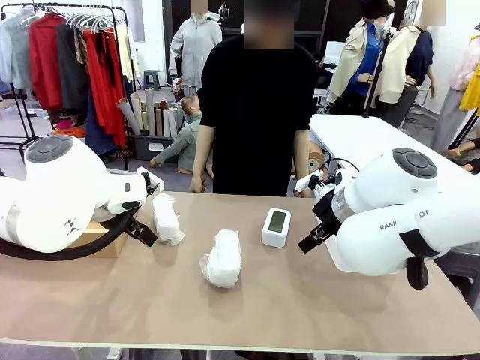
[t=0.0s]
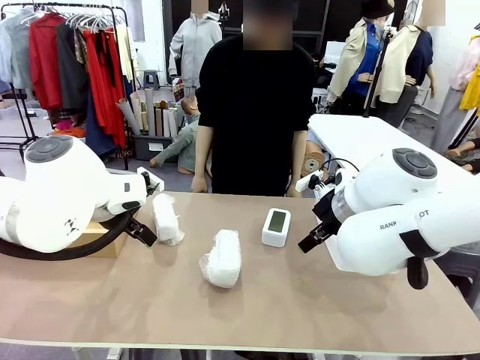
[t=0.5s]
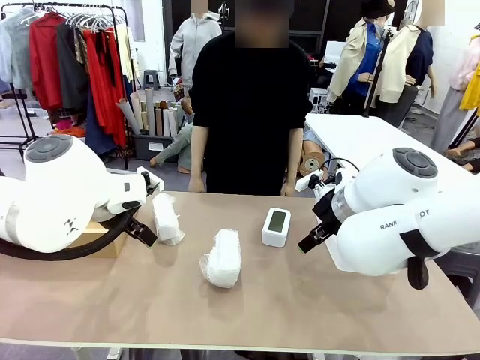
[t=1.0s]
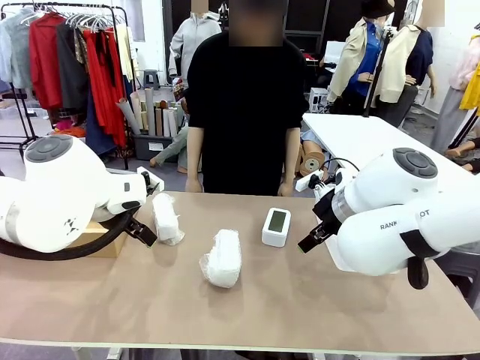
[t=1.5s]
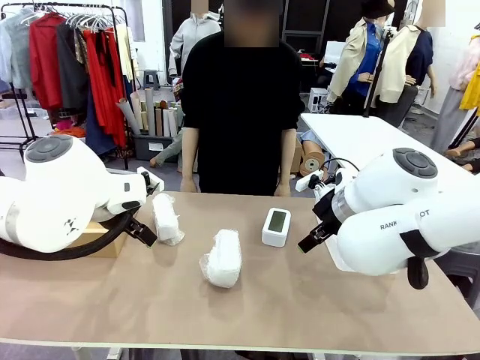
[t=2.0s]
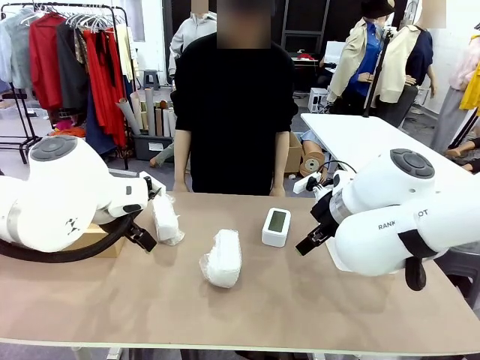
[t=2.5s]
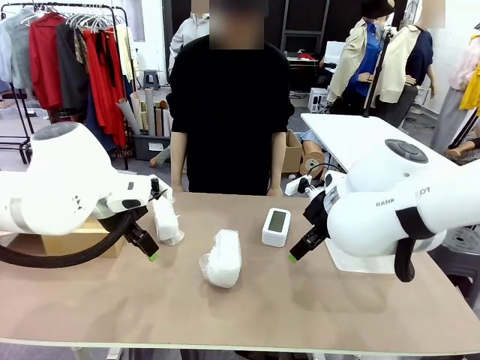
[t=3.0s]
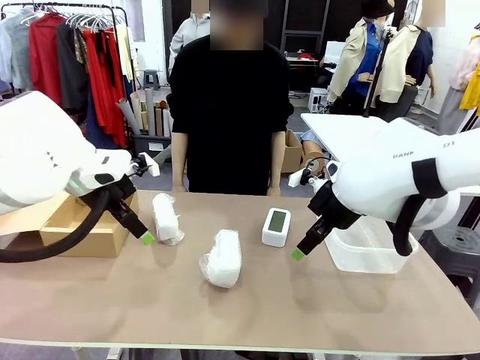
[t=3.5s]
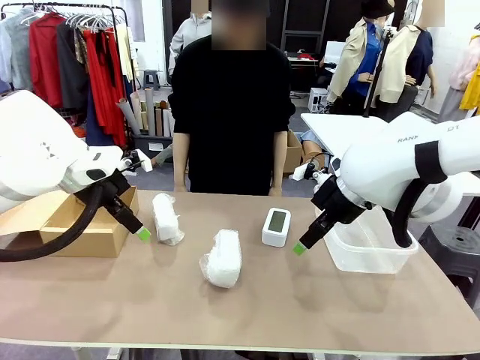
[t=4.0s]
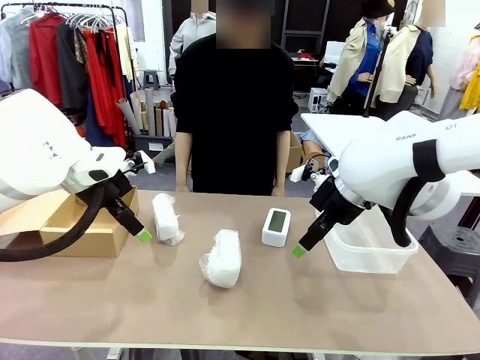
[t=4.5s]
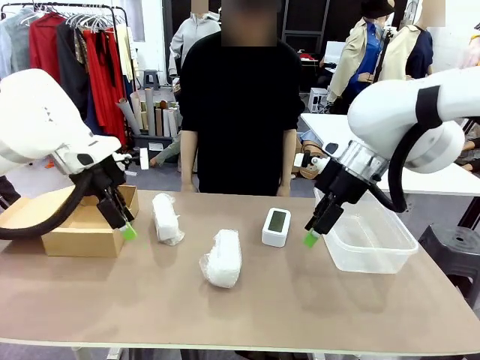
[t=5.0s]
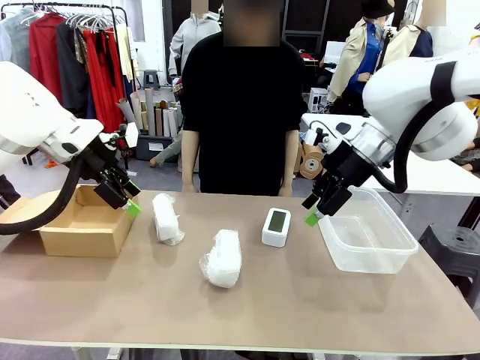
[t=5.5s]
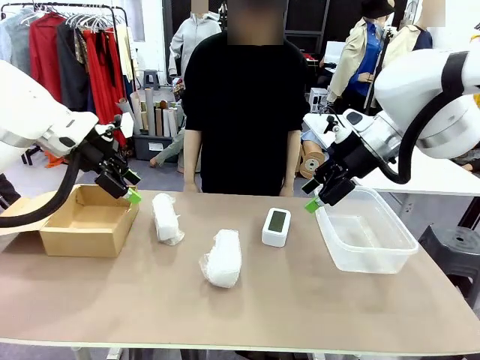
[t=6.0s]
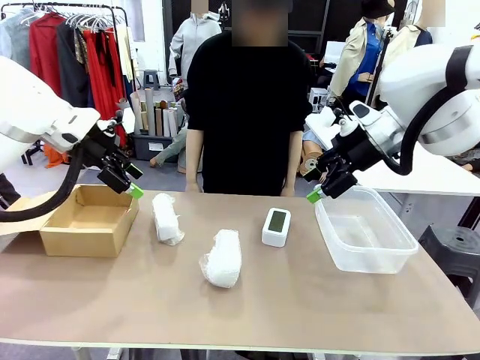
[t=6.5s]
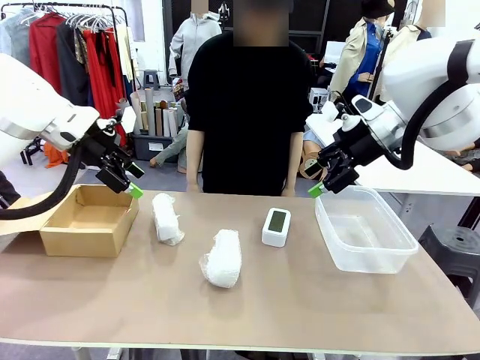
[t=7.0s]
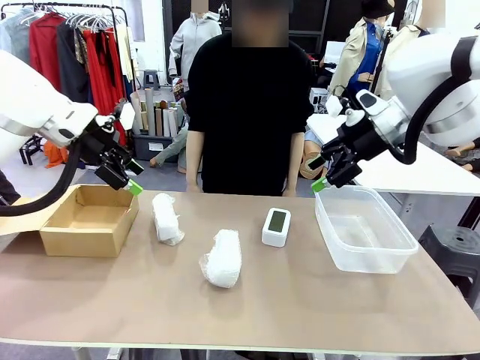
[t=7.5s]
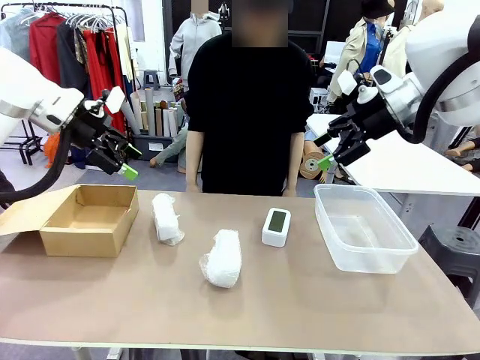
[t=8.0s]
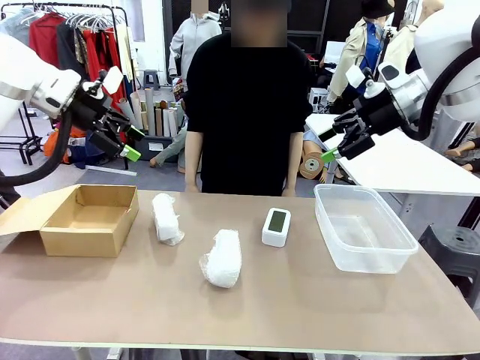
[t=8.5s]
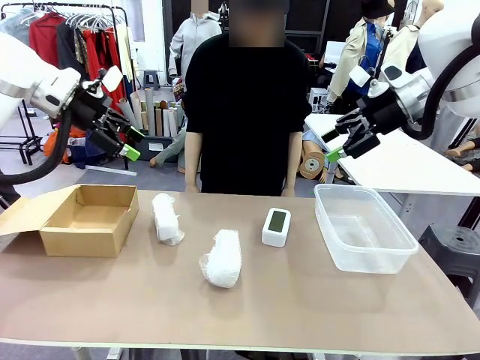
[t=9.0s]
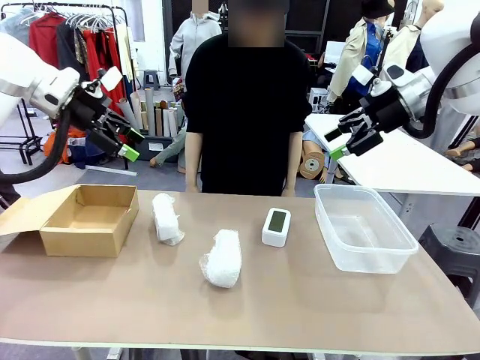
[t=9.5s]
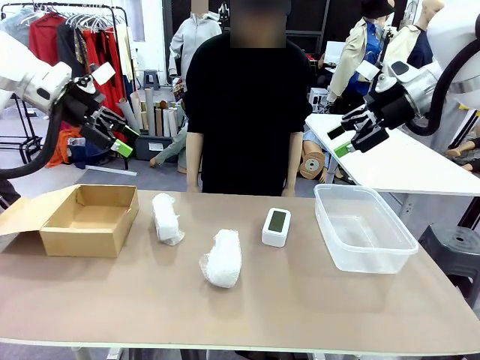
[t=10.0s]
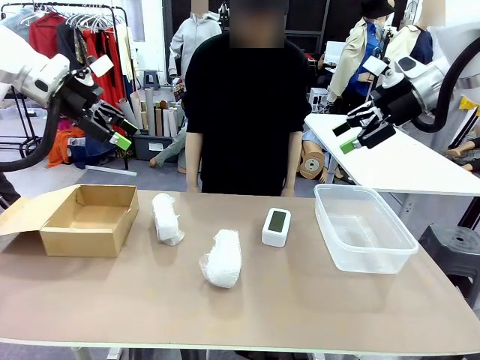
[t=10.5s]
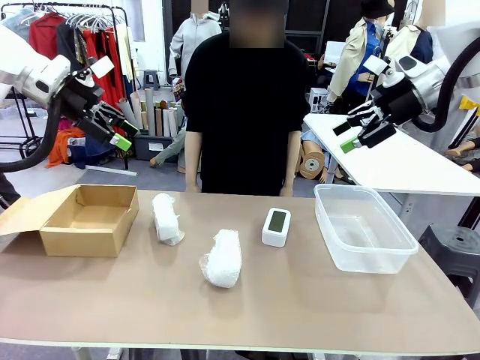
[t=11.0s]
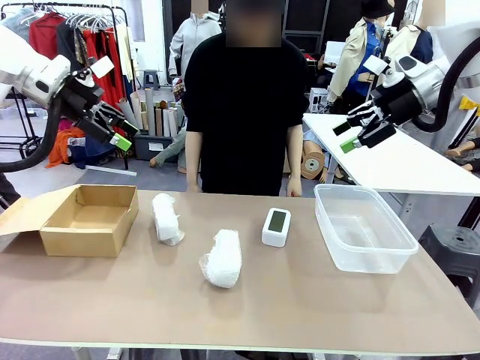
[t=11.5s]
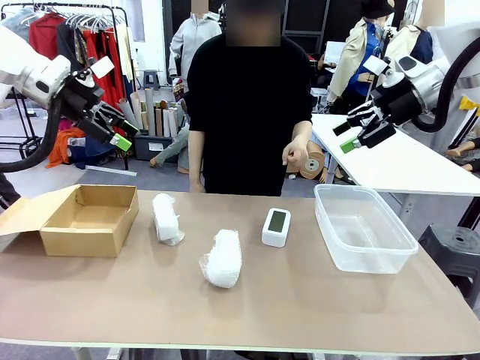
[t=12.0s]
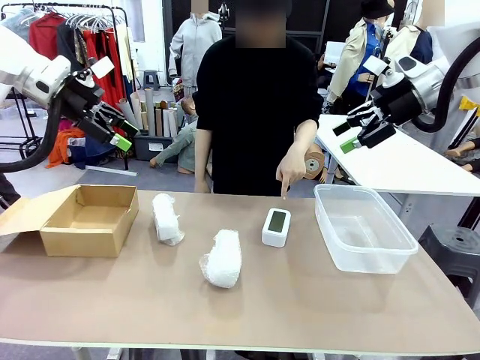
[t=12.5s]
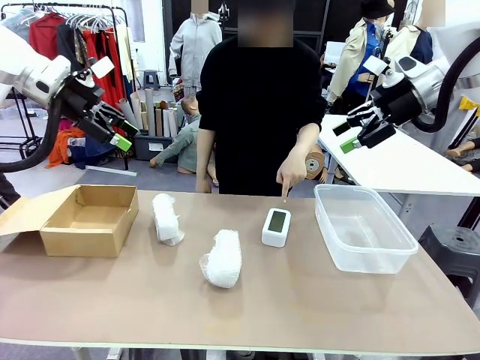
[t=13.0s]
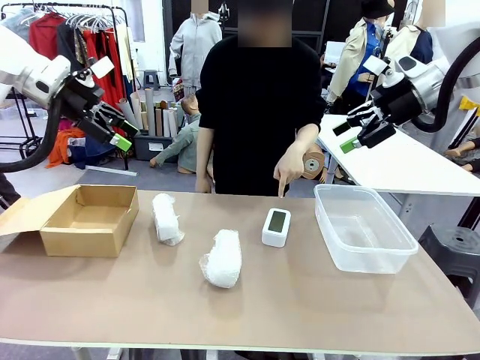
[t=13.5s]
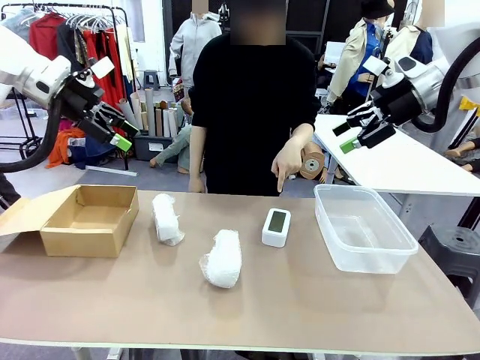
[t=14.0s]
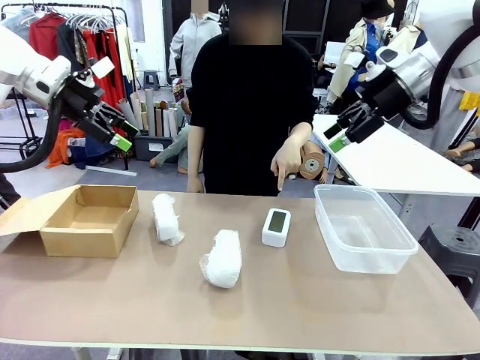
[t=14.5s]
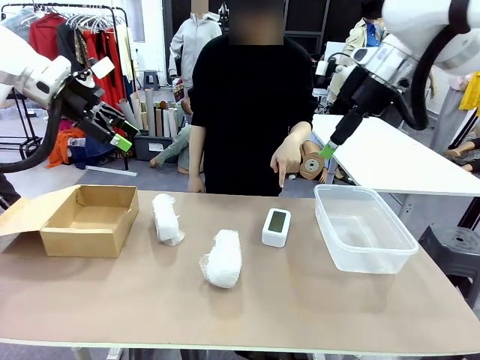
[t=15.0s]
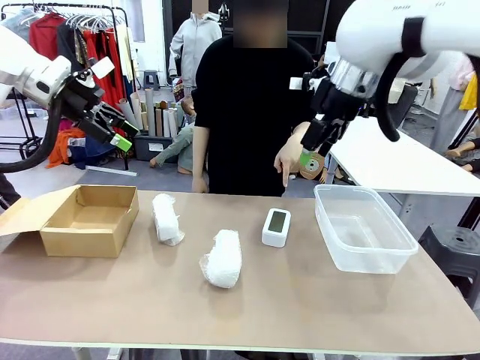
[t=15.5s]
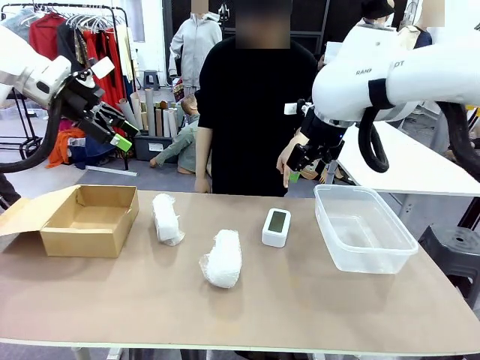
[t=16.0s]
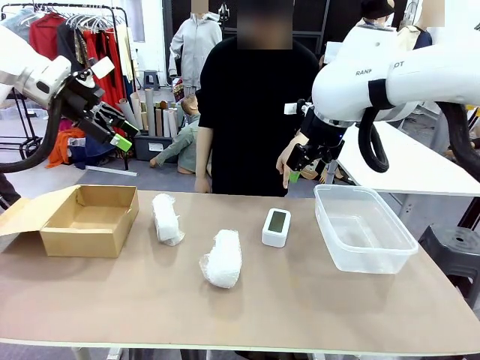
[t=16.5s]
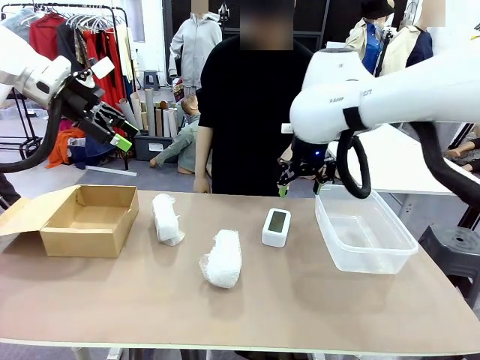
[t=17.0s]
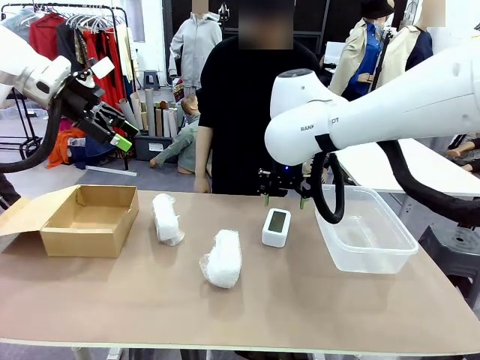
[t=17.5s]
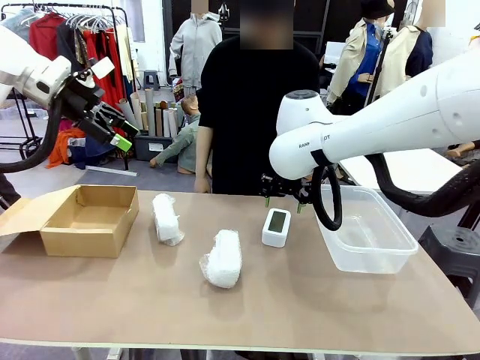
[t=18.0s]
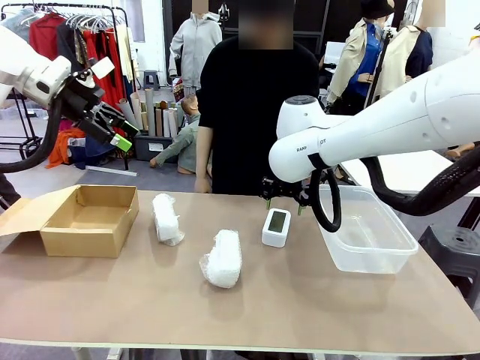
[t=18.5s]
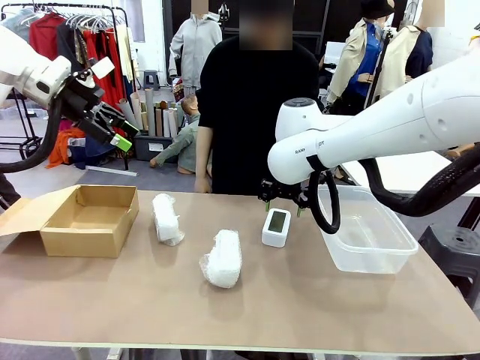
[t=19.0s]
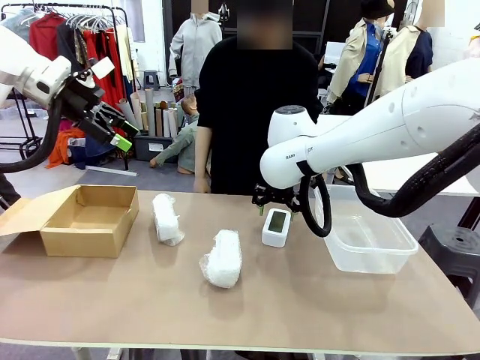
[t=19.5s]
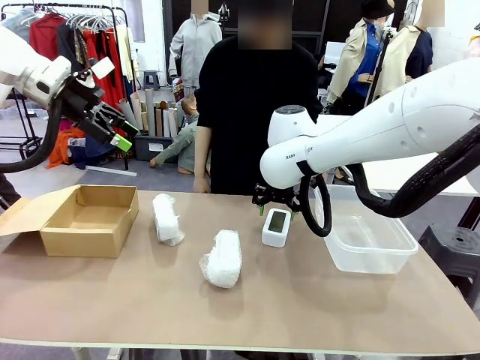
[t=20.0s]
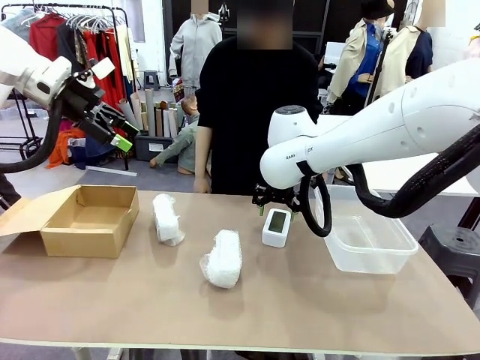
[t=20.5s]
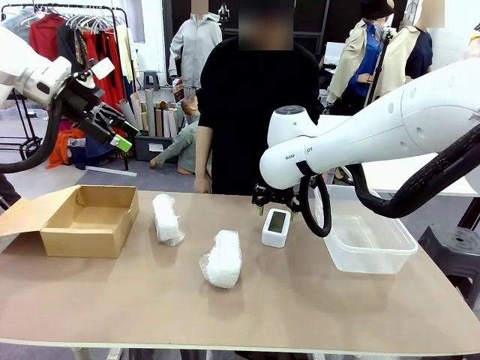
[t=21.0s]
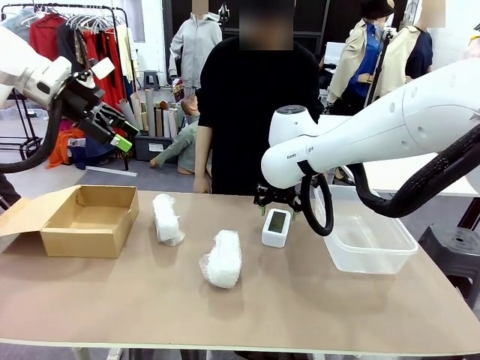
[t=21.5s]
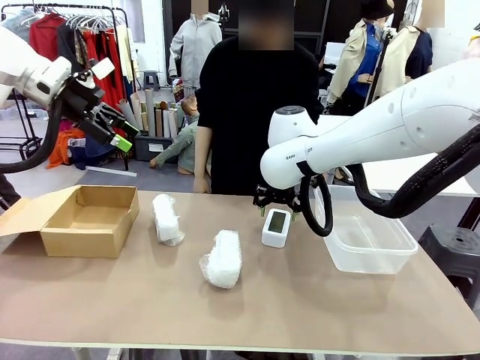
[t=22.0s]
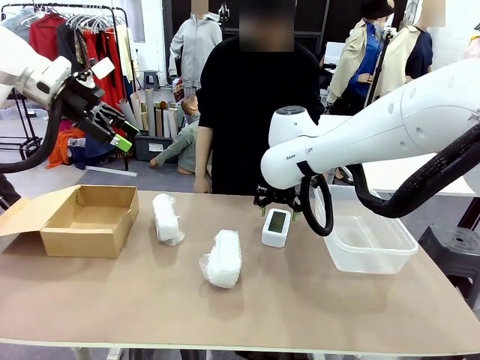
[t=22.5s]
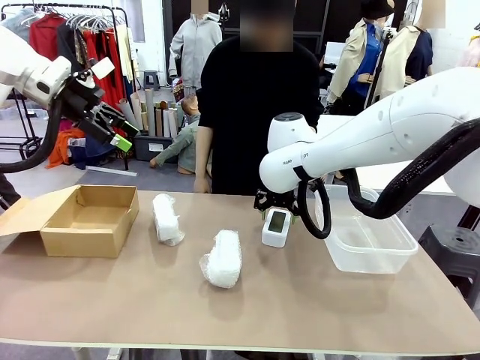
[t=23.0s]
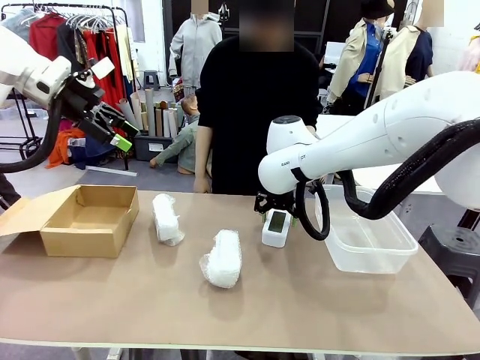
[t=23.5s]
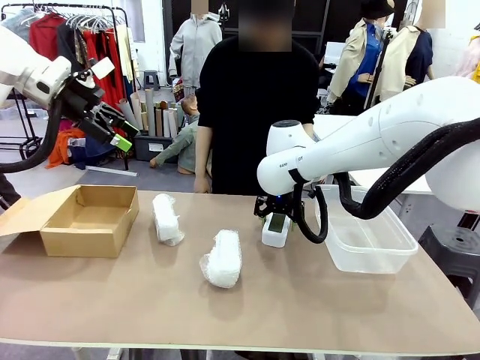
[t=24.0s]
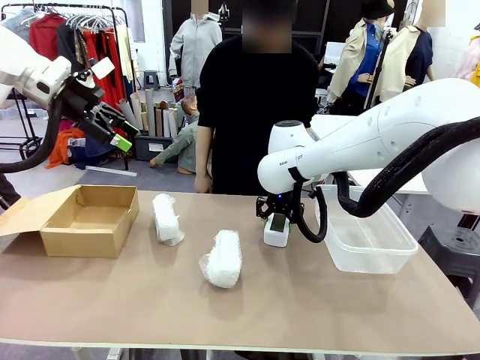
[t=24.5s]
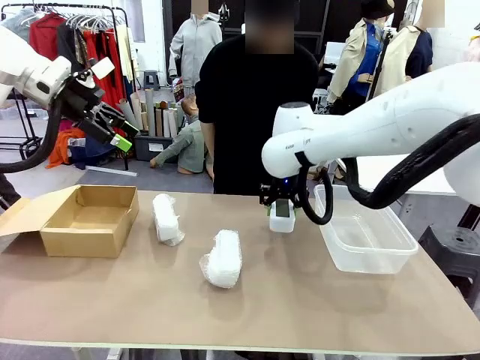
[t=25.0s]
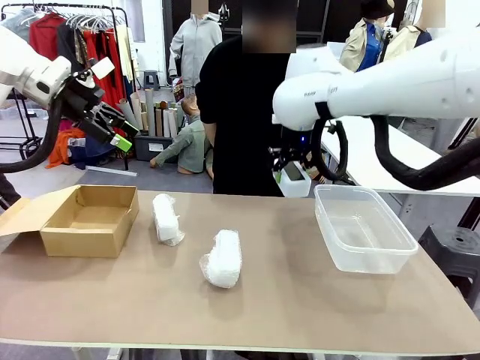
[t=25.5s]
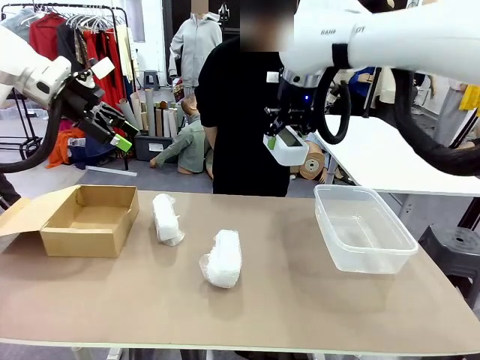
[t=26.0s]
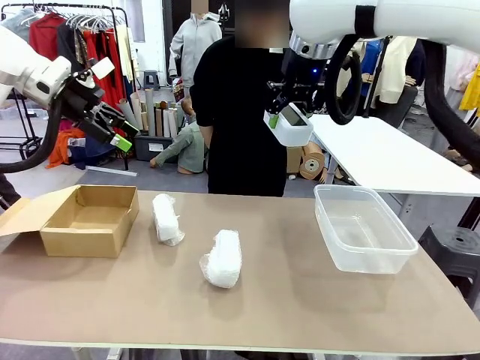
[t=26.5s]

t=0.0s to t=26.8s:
Task: Separate and place wrapped and unwrapped clocks.
Robot: Pick up the Digital clock indicated by the person.
